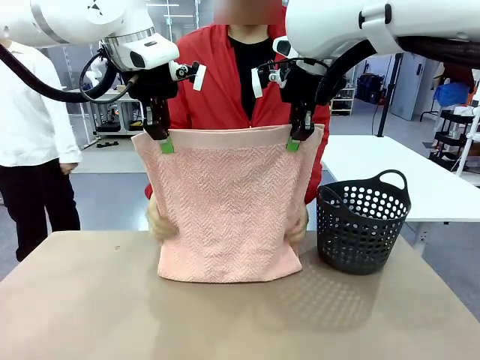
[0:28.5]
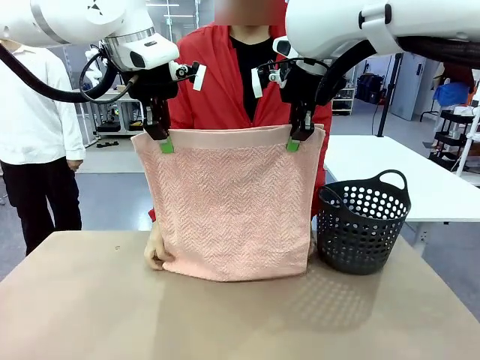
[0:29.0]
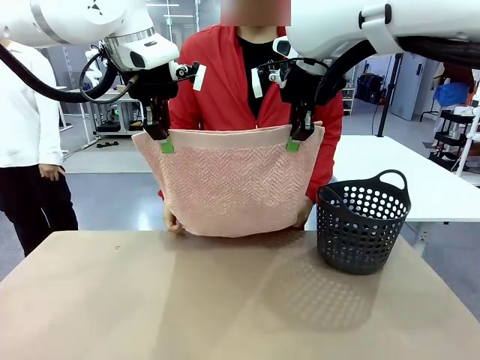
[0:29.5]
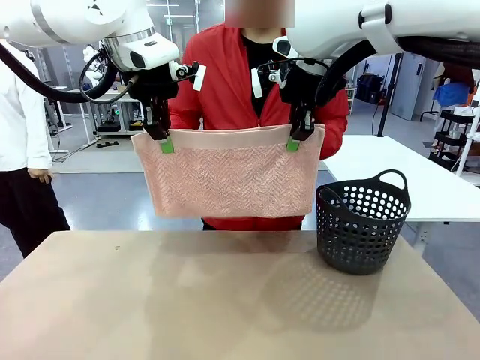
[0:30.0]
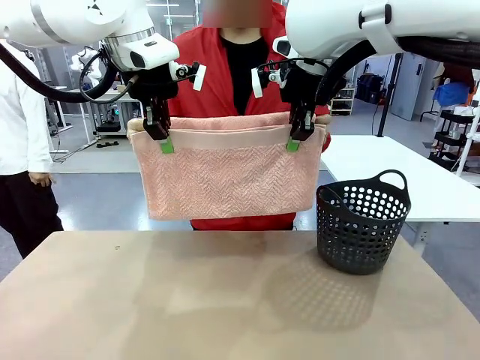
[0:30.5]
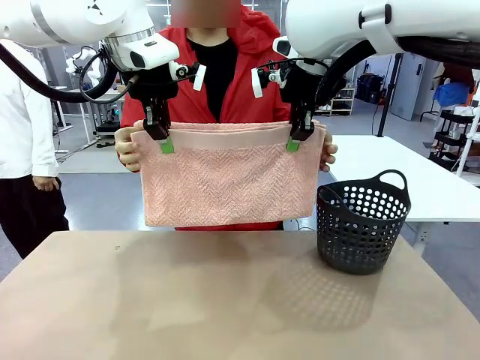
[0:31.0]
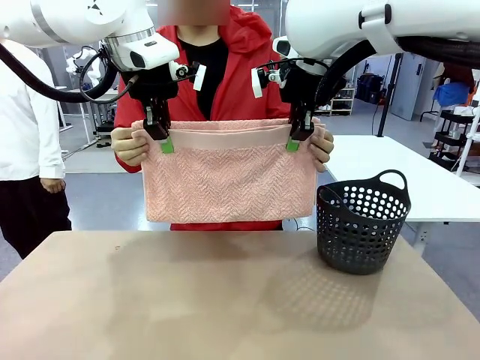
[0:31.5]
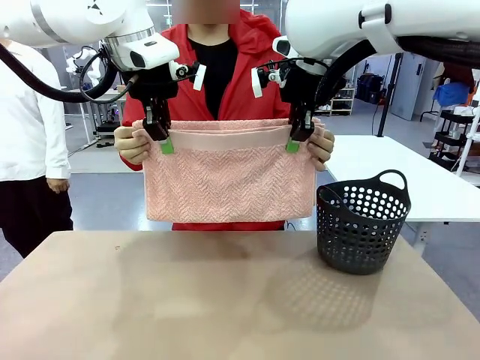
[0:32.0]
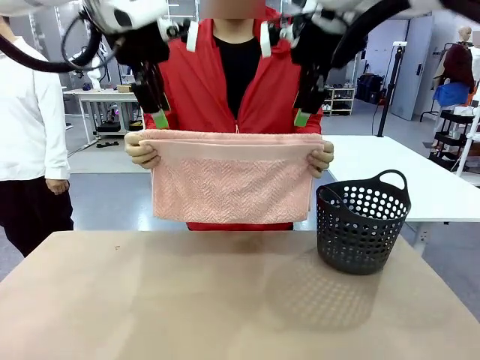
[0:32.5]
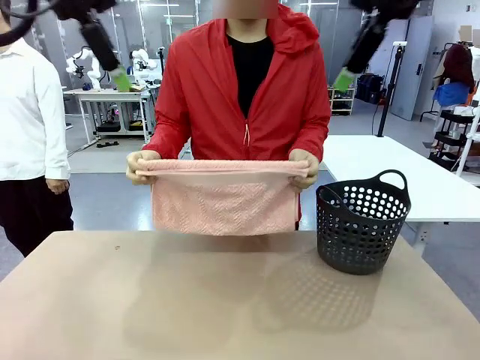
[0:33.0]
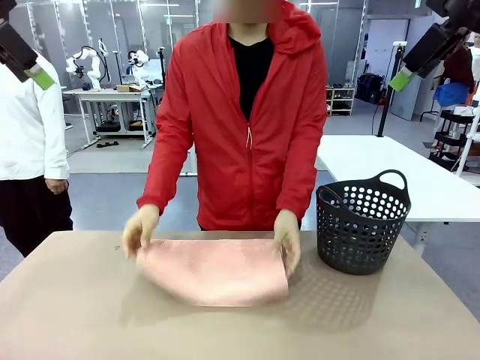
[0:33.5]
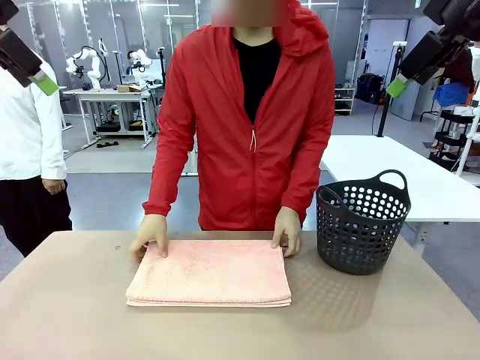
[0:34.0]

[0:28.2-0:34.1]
Task: Fold the towel.
Robot: Release the end of the 100 cm Hotel Towel you were holding.
Person: Place the towel at the center of the robot table and fold it in half.

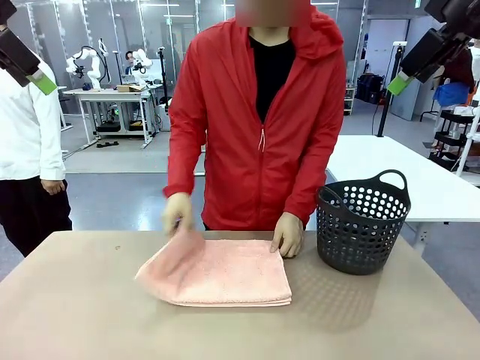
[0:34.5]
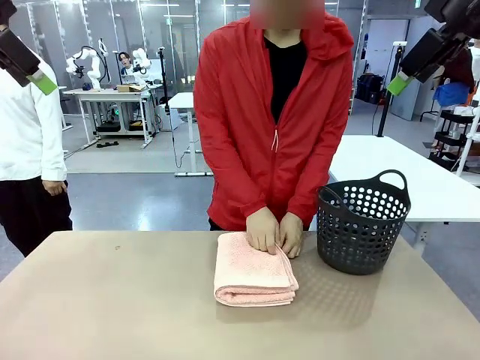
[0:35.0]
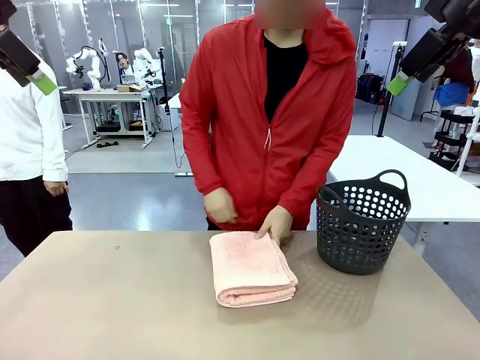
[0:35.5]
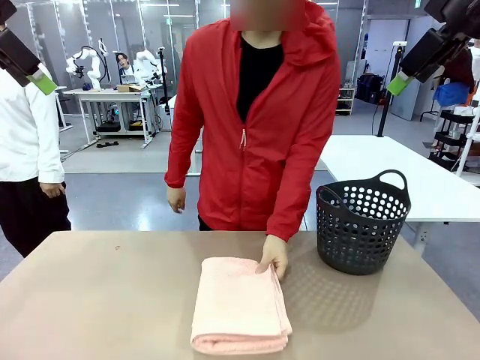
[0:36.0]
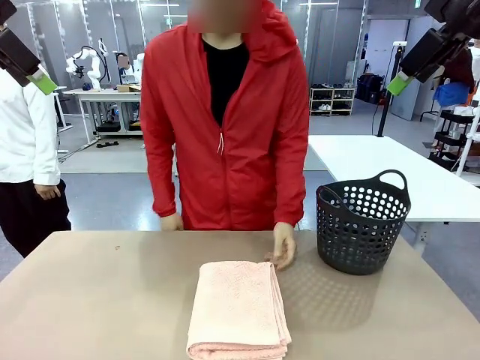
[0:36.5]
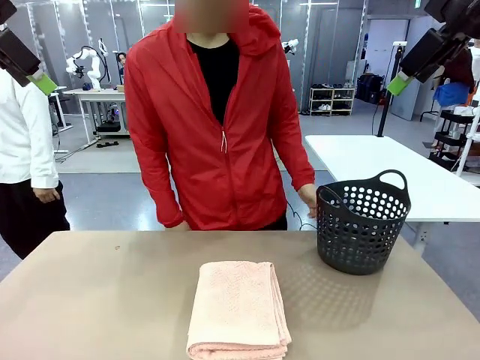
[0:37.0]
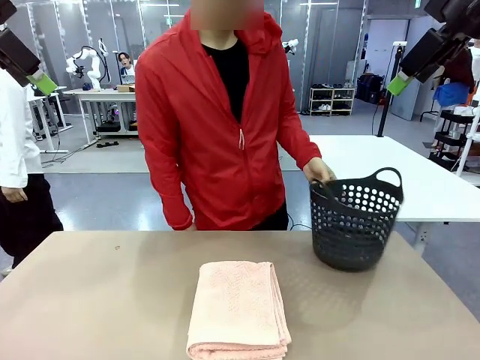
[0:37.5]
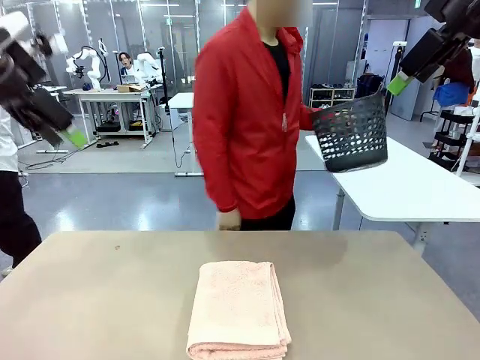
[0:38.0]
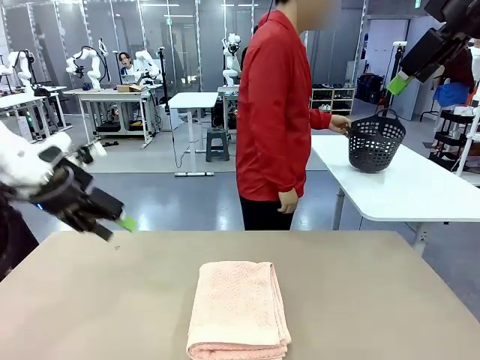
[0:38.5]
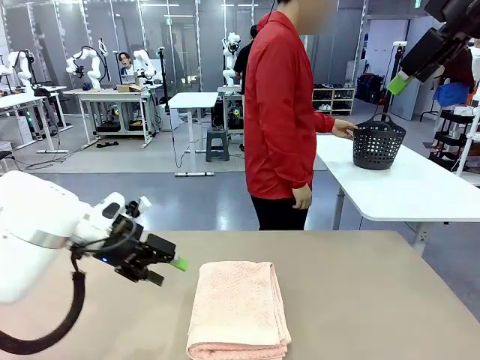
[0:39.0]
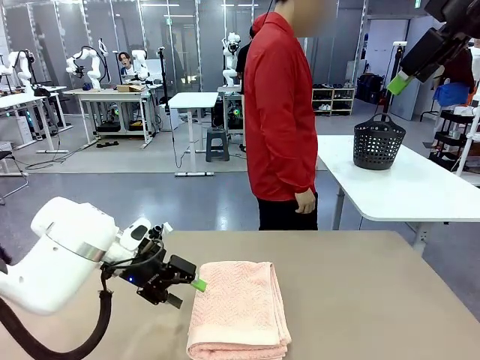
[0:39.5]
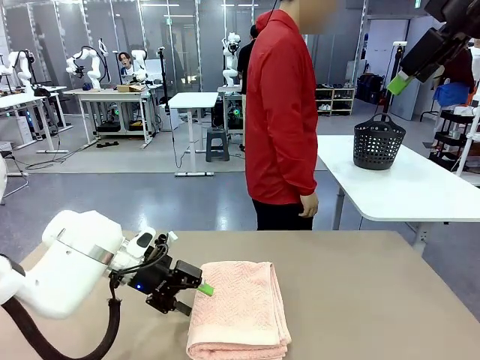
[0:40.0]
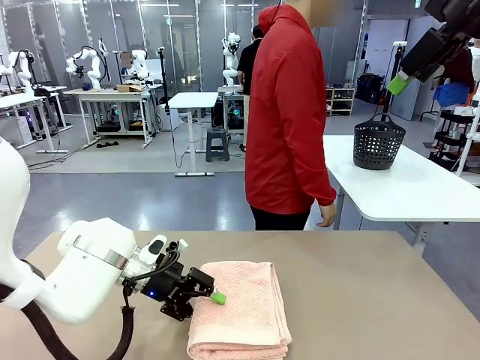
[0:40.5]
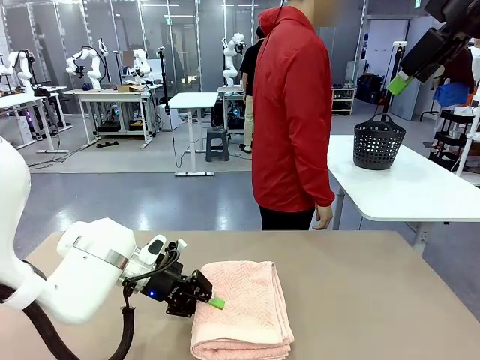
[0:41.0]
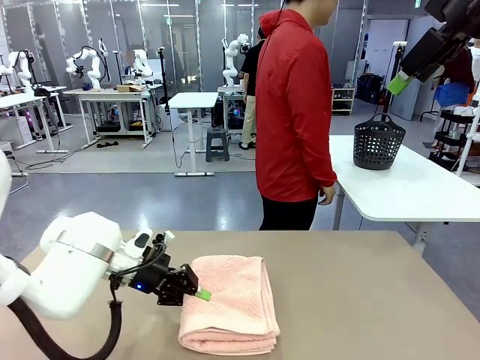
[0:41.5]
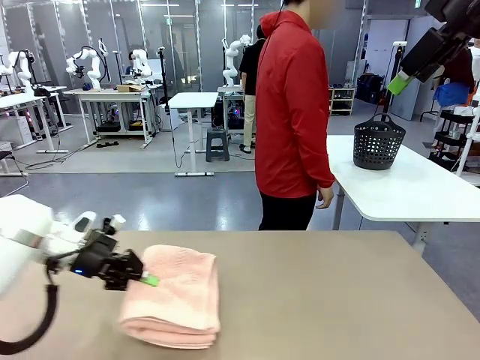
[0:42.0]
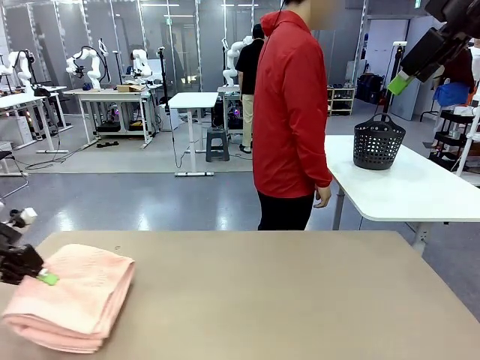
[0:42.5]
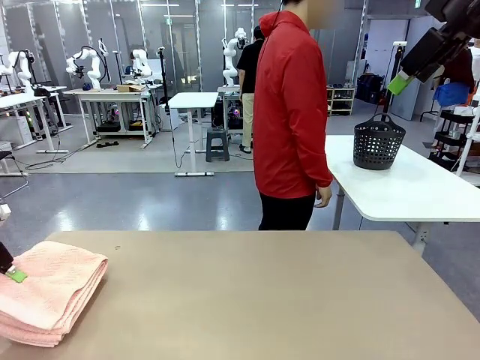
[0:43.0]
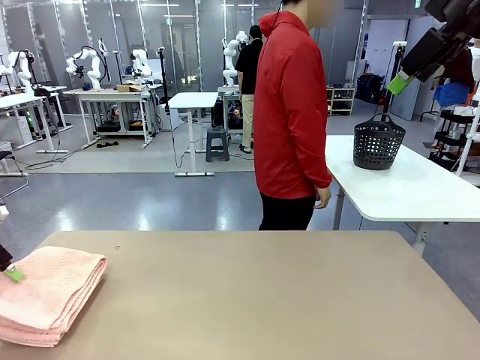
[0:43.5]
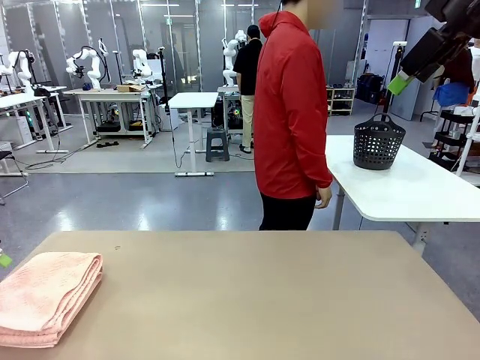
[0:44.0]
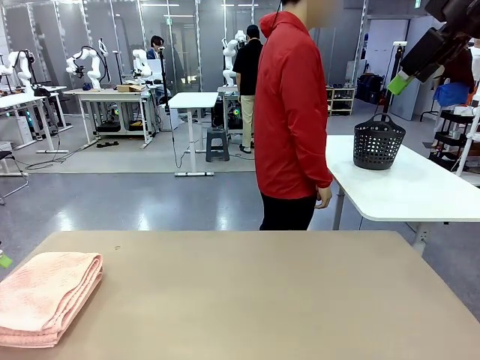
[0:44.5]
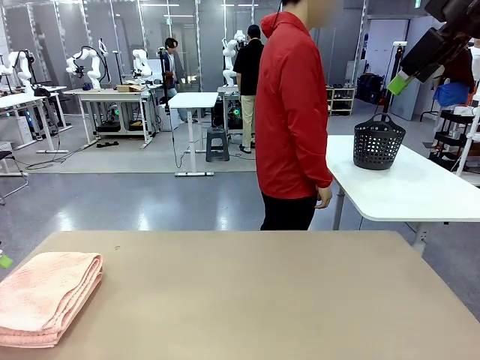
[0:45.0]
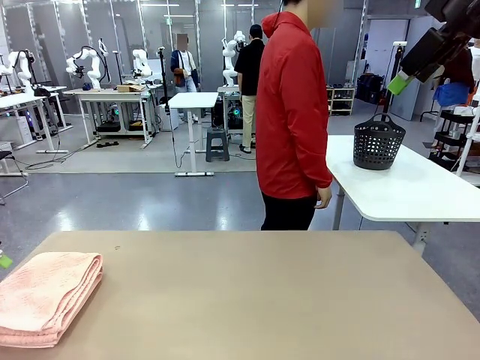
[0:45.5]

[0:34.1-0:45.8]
Robot: Pick up the 100 cm Hotel Towel and place it on the left side of the table.
Person: Pick up the laundry basket and place it at the center of the human table.

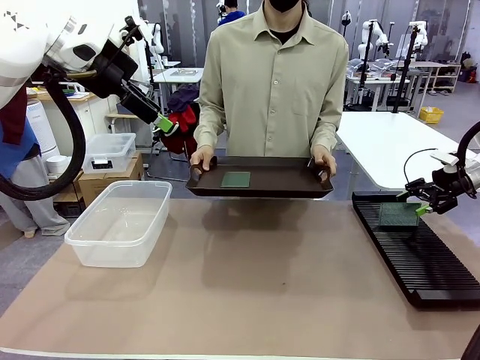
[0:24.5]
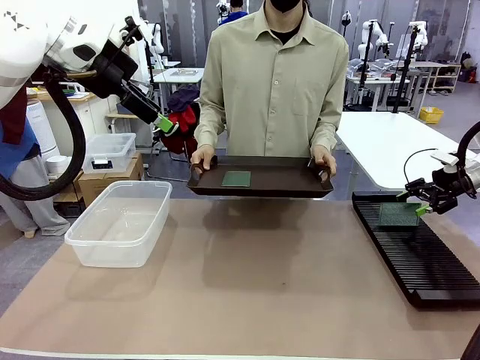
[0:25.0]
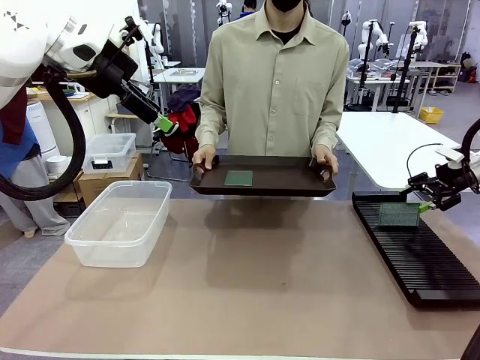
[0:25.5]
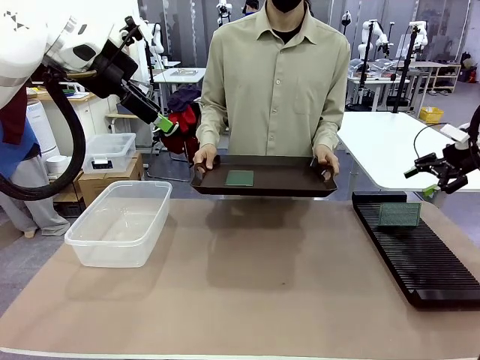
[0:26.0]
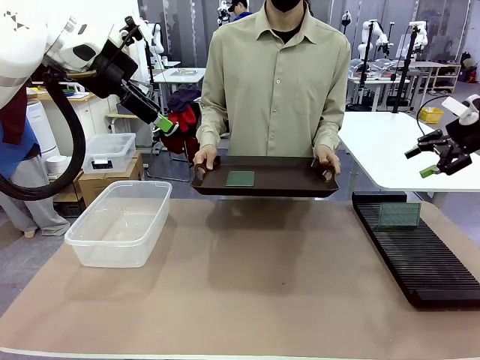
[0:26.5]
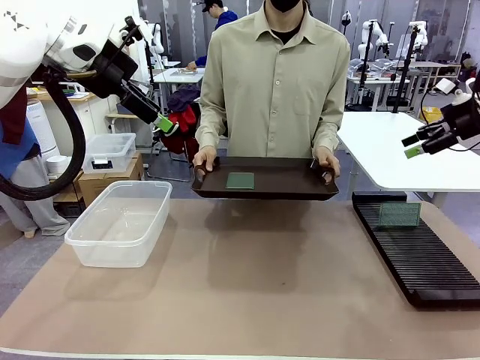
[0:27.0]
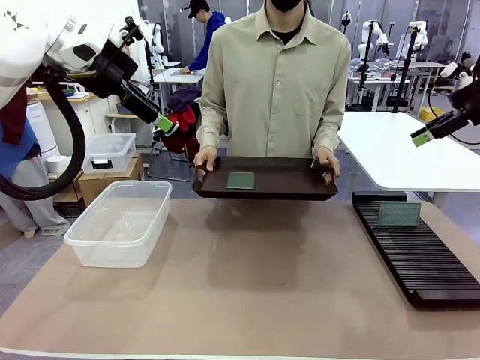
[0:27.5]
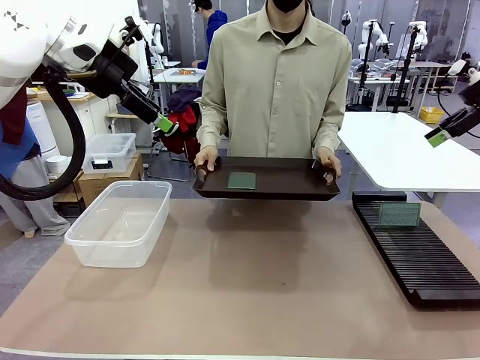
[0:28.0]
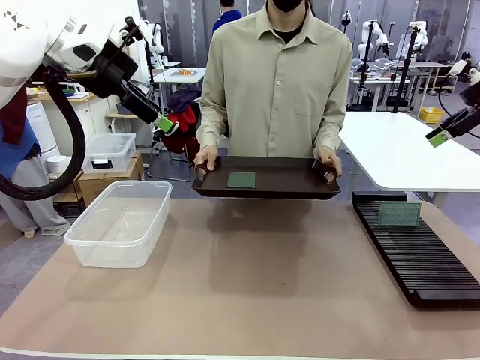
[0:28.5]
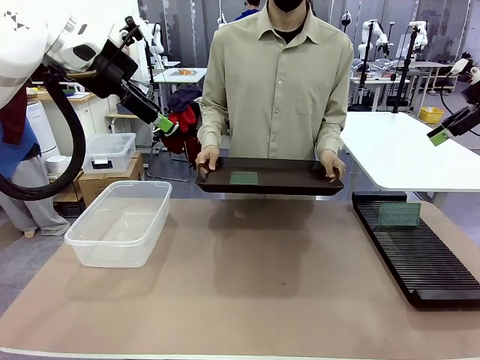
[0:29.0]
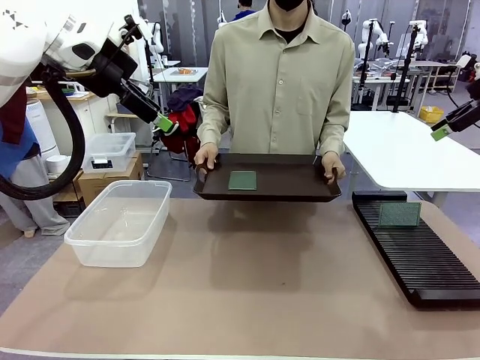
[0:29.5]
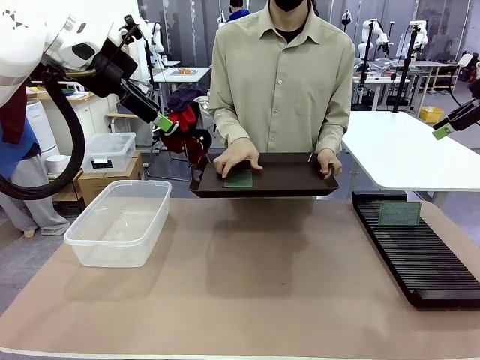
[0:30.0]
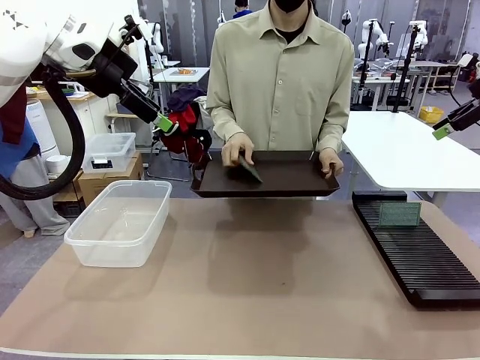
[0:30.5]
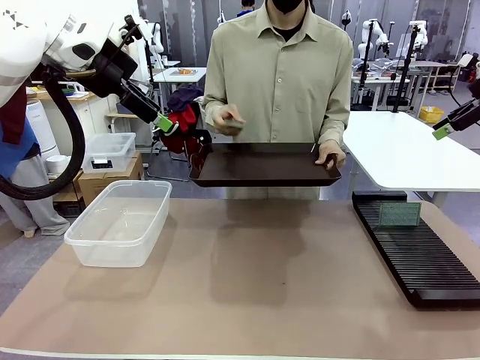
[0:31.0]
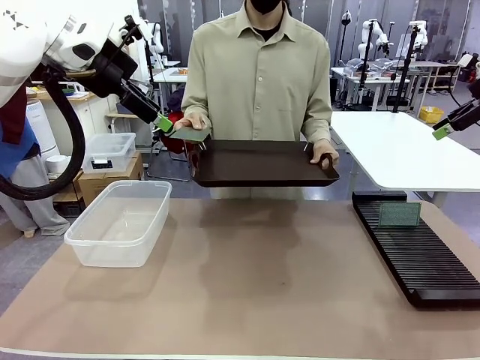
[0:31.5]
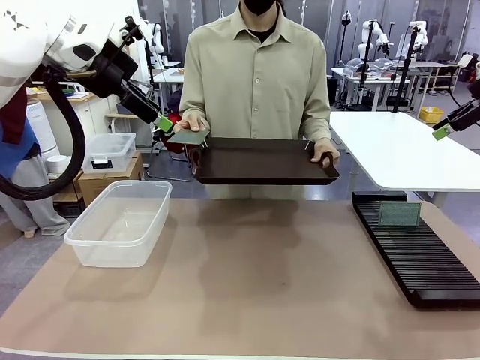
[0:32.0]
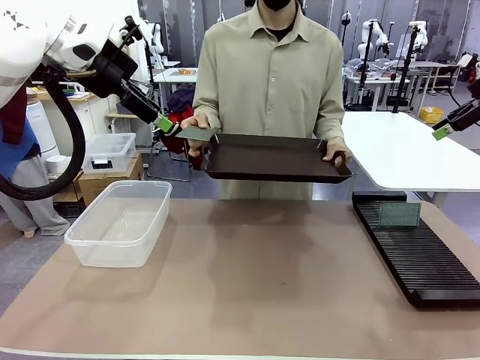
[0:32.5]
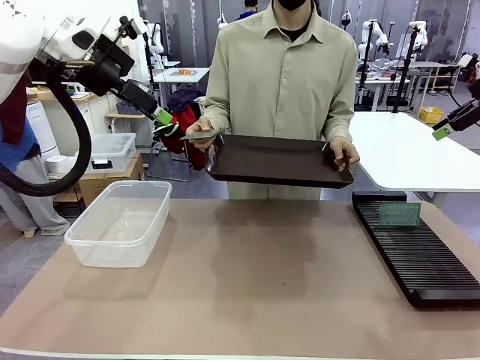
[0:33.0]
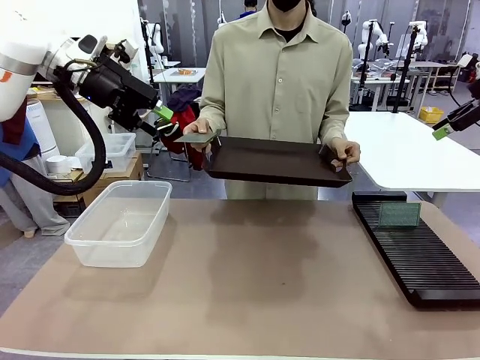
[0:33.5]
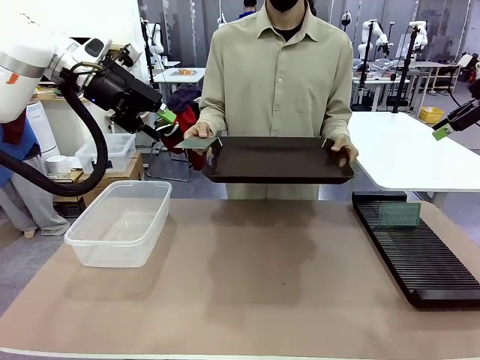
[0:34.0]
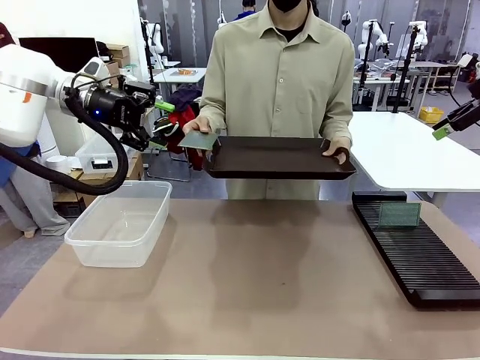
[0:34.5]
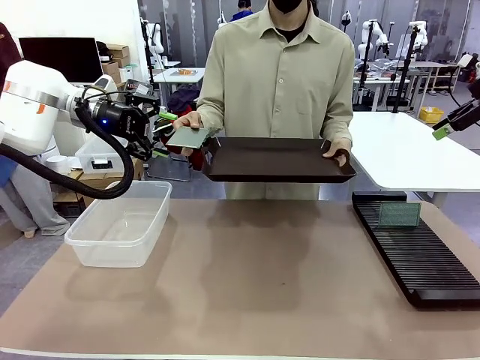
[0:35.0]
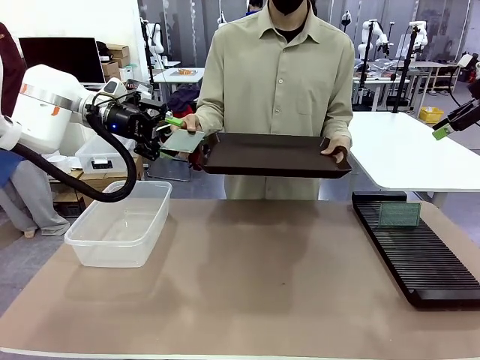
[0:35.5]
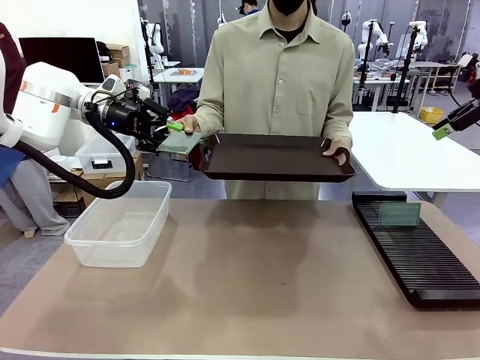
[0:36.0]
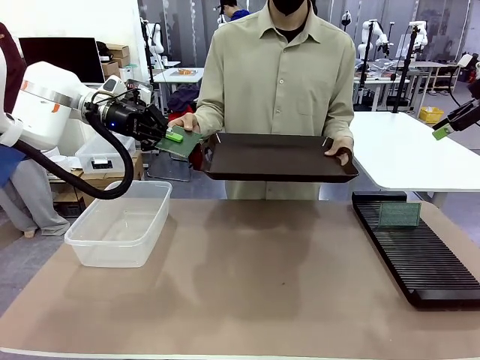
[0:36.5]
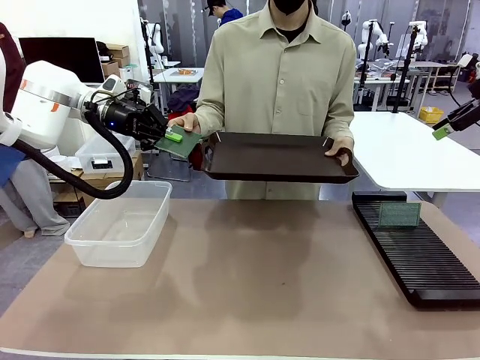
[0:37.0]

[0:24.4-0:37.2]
Task: Sort PCBs into racks and boxes based on the side picked up.
Robot: Pick up the Blank PCB handed by the Human.
